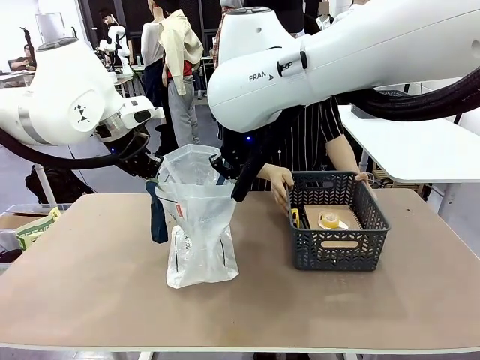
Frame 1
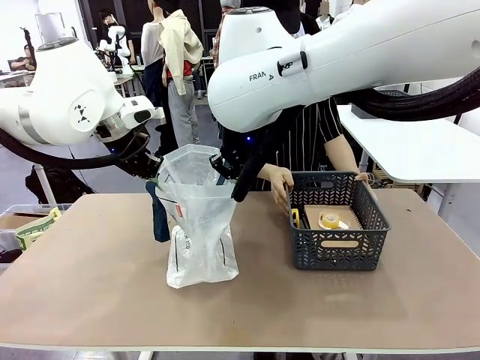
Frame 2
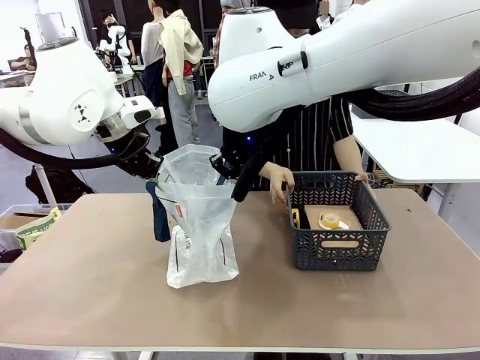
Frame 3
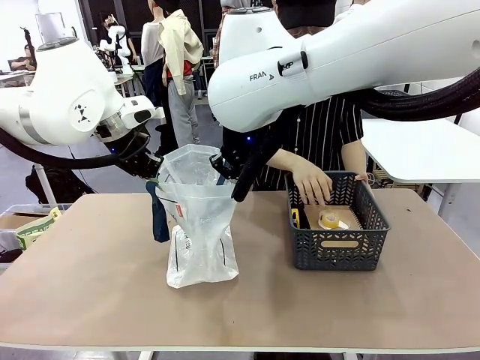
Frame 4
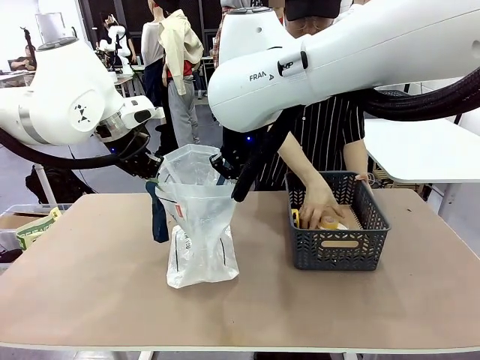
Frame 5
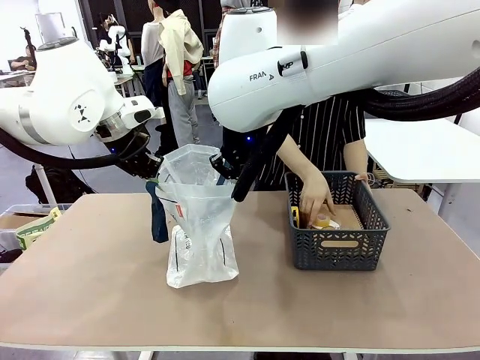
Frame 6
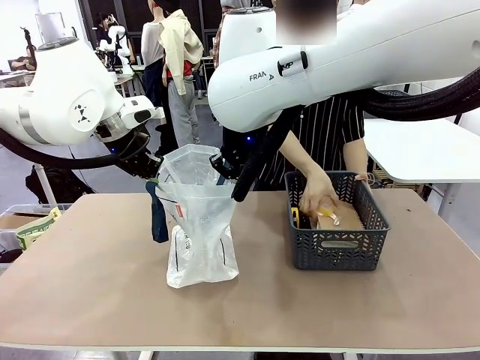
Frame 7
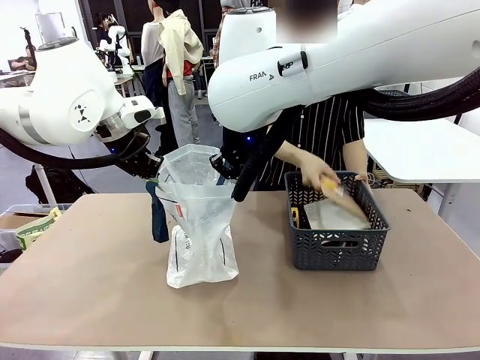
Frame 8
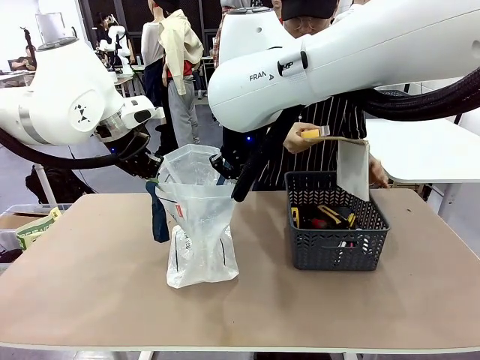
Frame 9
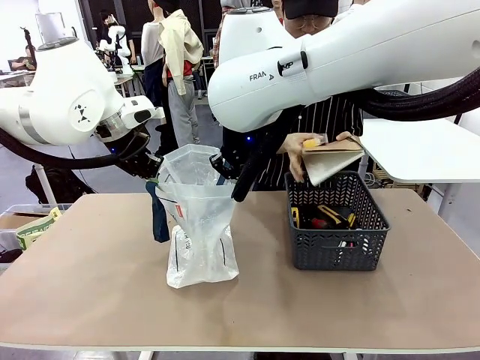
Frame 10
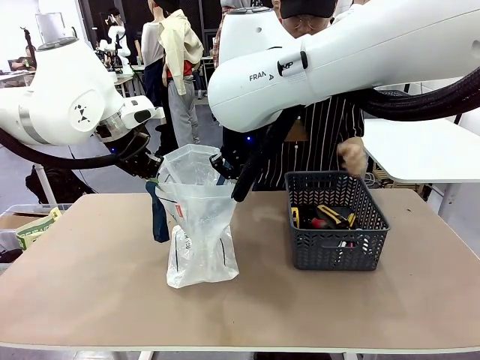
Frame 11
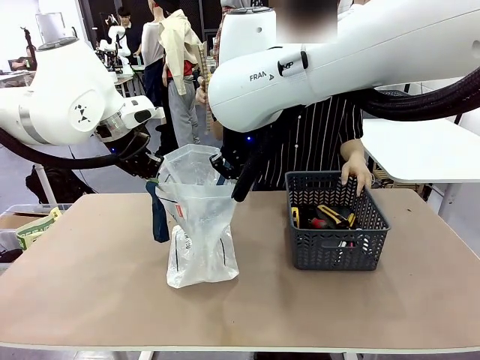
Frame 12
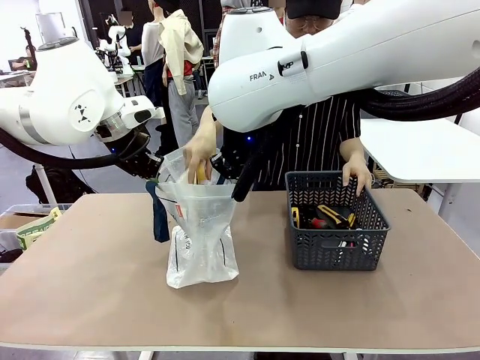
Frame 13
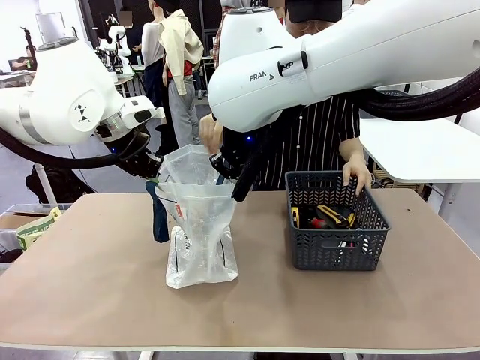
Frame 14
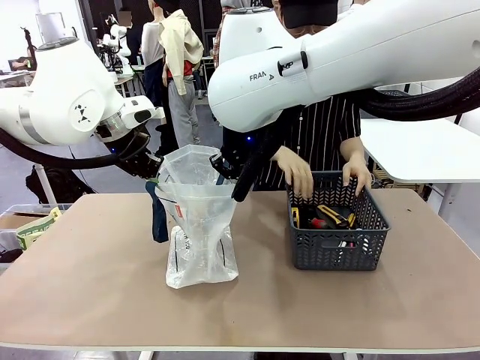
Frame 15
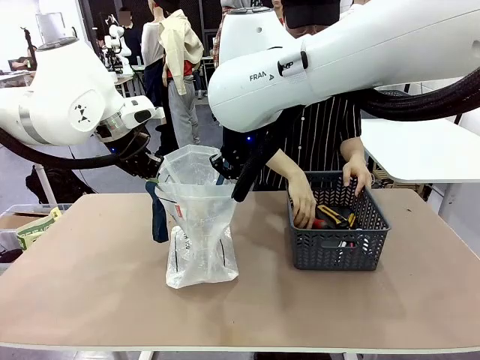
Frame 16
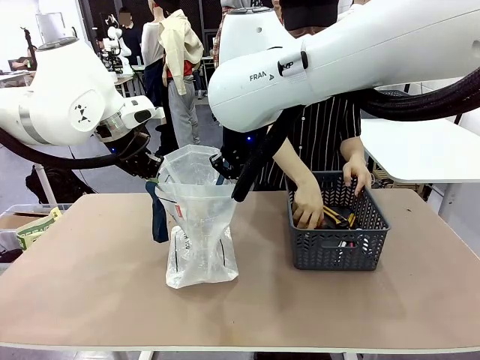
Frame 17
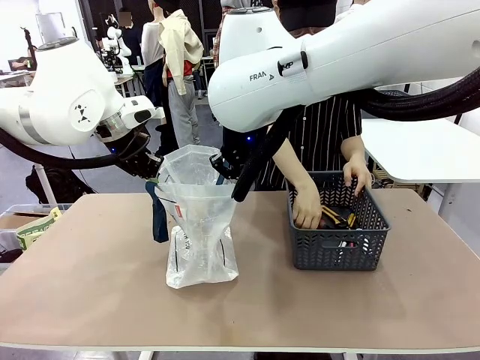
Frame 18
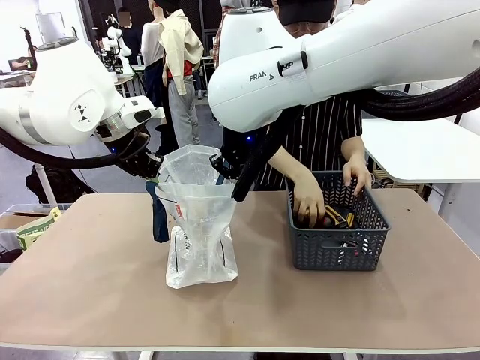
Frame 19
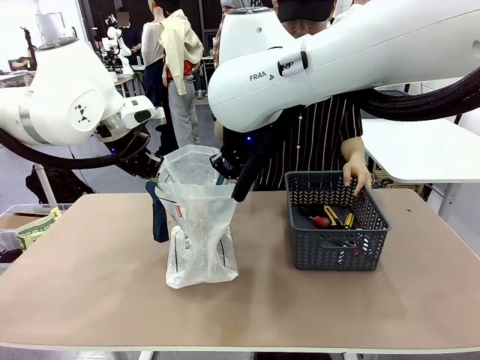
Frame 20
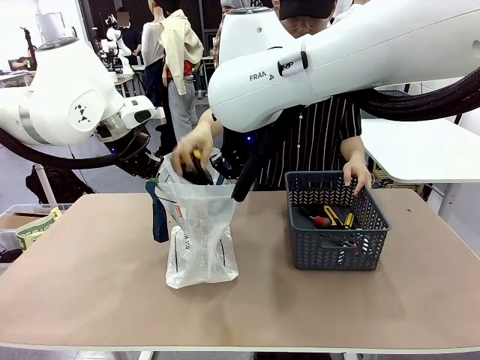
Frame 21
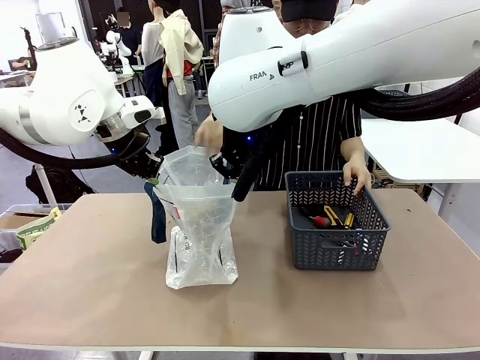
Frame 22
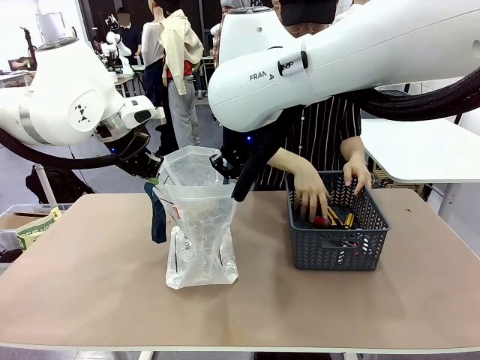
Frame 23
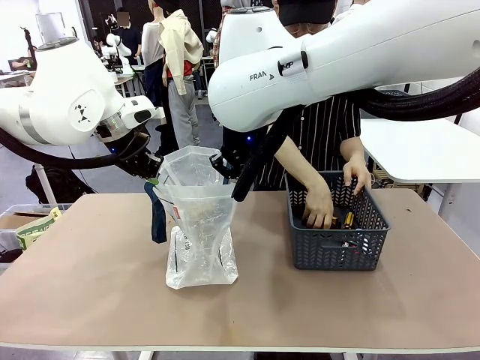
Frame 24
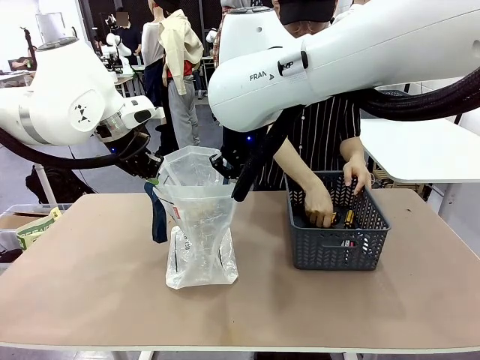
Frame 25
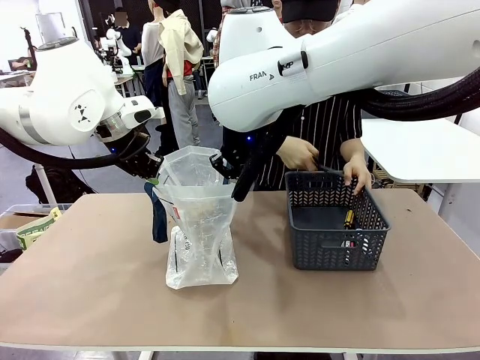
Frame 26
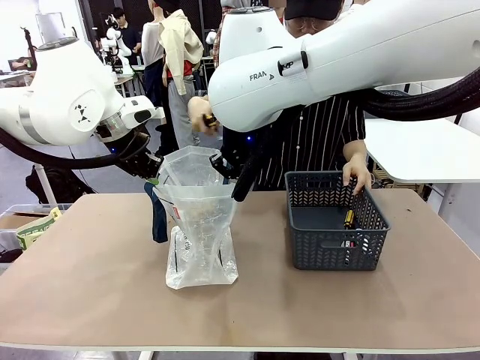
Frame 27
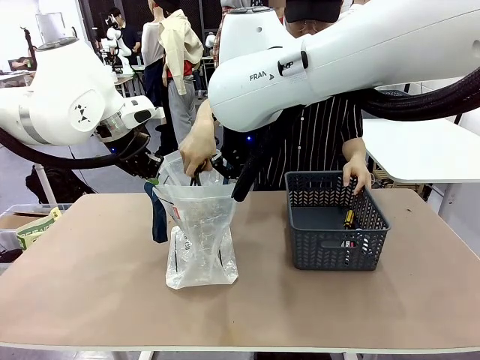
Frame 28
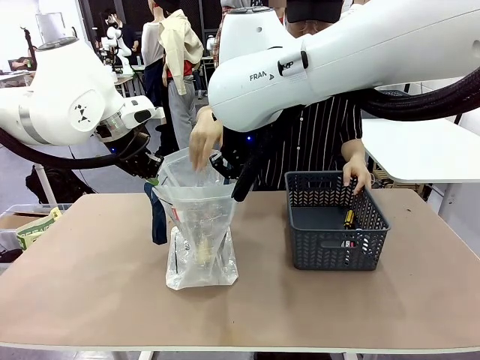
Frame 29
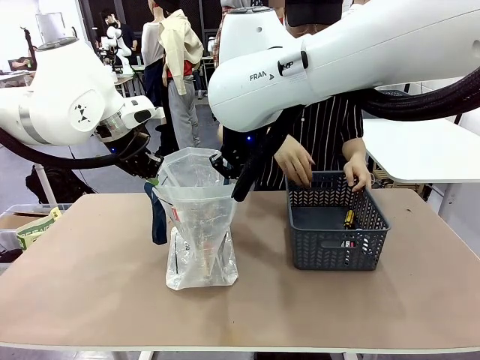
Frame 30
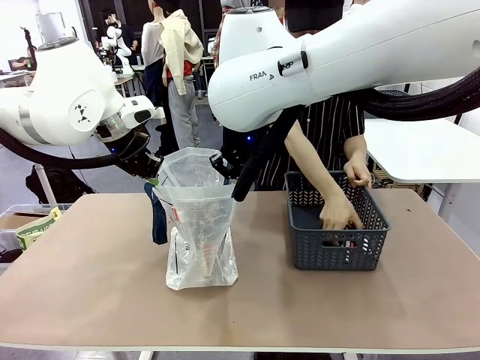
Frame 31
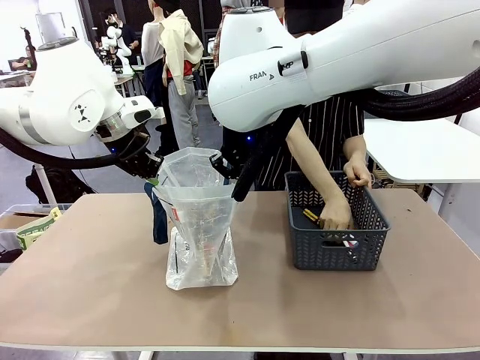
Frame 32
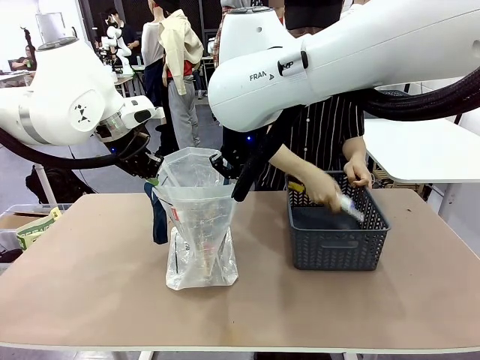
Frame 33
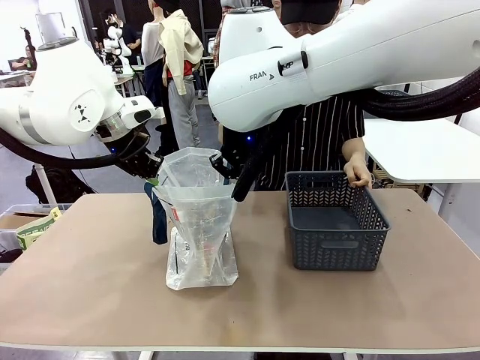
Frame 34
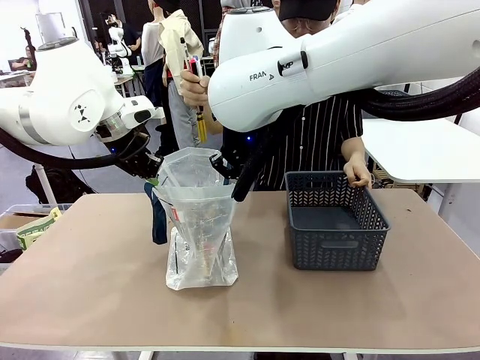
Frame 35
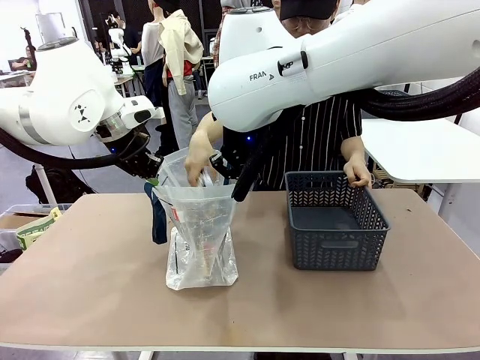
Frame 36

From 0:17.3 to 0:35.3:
Task: Transfer purchased items from the store into the shopping bag.
Robot: Move the Reusable shopping bag to the right side of the table.
Person: Pick up the basket with the items out and place it on the right side of the human table.

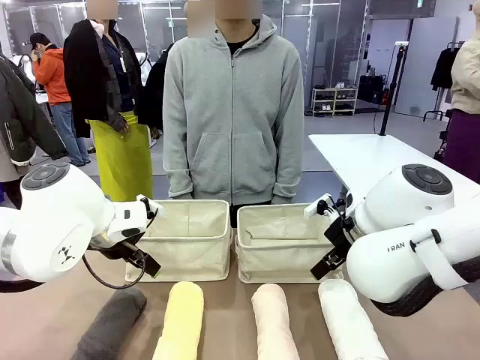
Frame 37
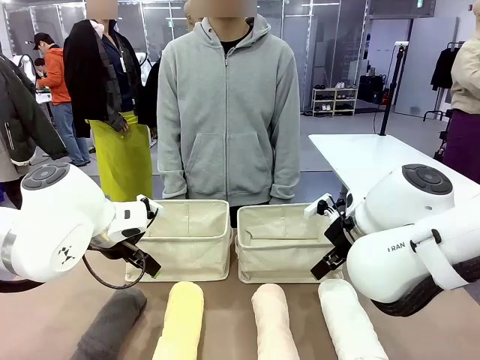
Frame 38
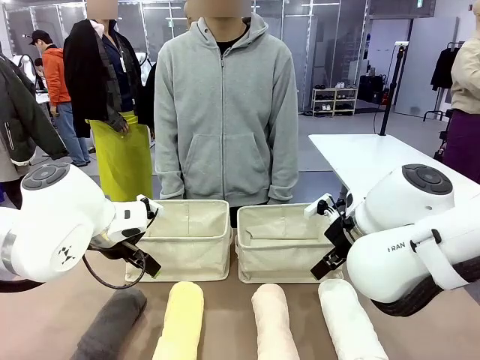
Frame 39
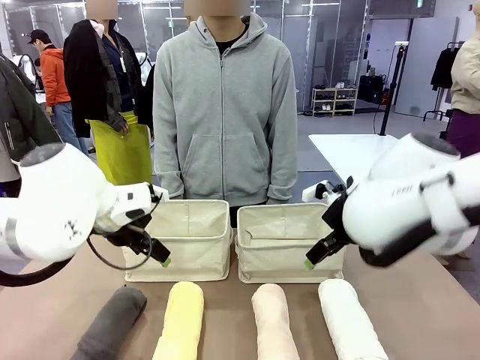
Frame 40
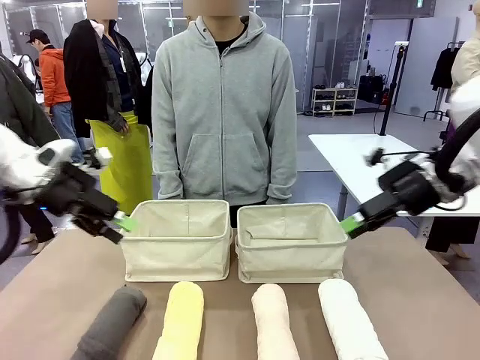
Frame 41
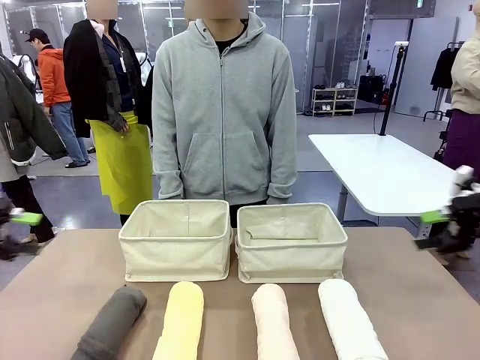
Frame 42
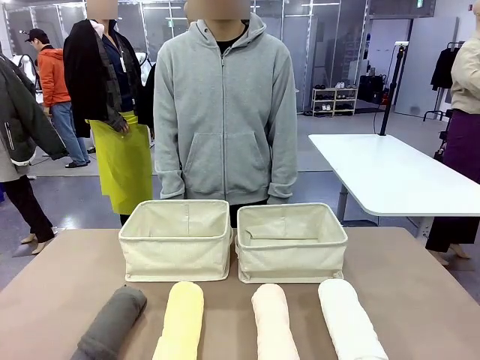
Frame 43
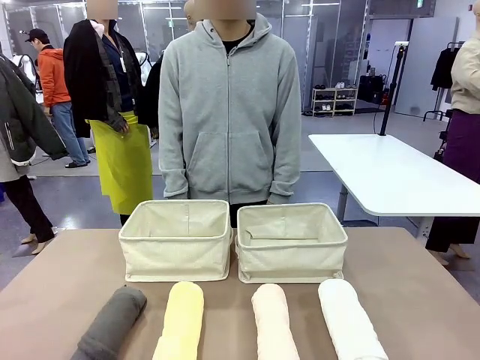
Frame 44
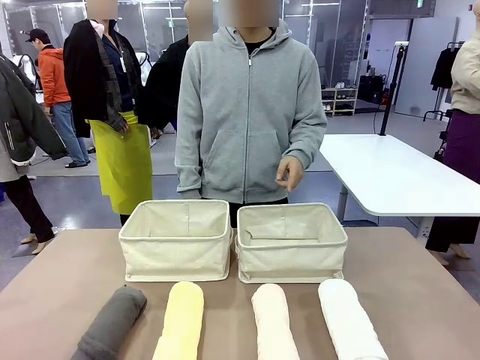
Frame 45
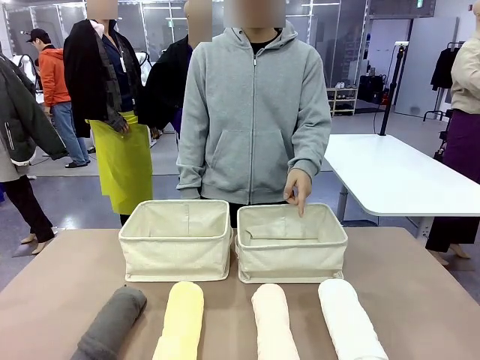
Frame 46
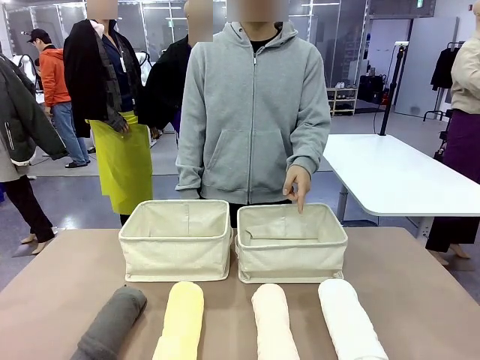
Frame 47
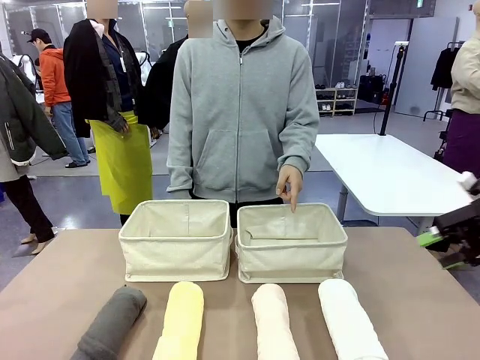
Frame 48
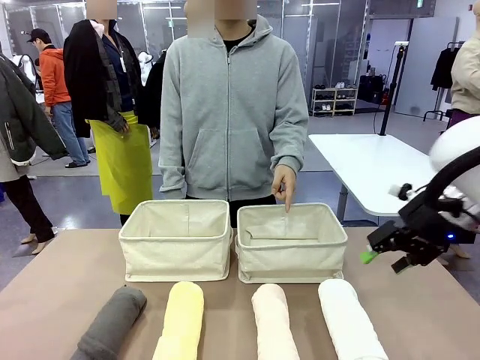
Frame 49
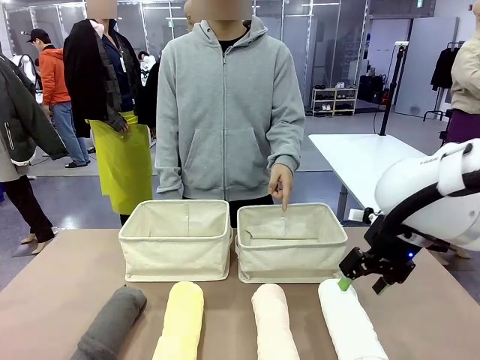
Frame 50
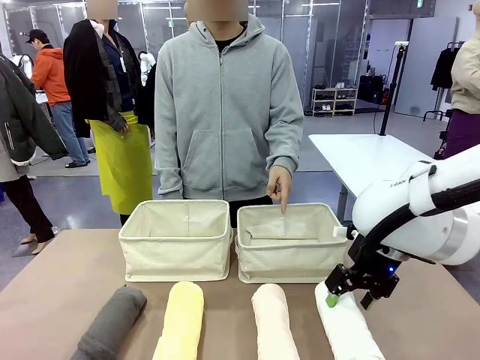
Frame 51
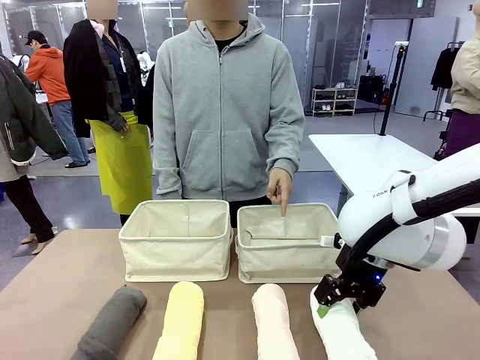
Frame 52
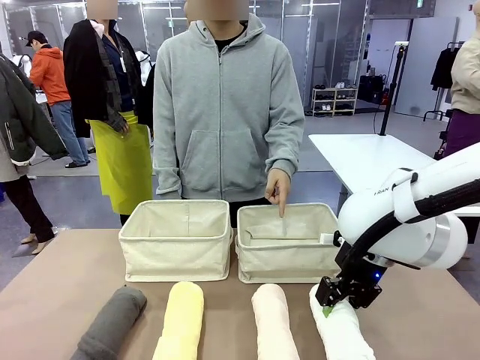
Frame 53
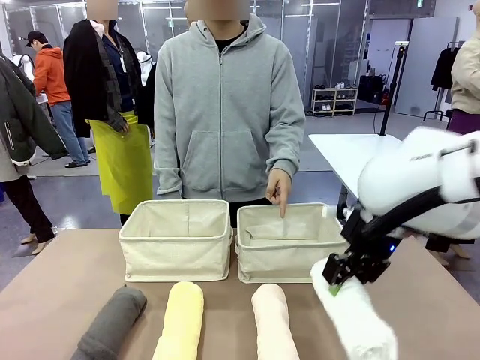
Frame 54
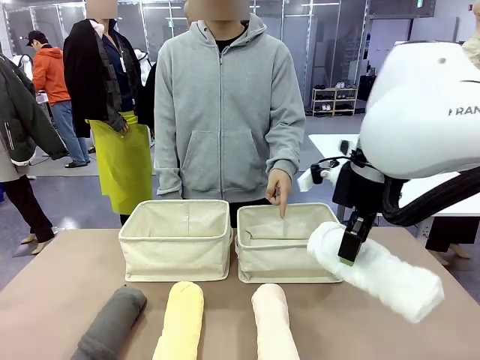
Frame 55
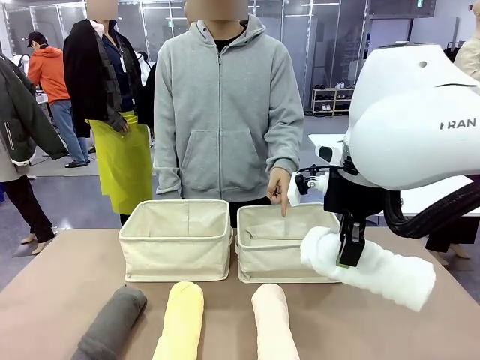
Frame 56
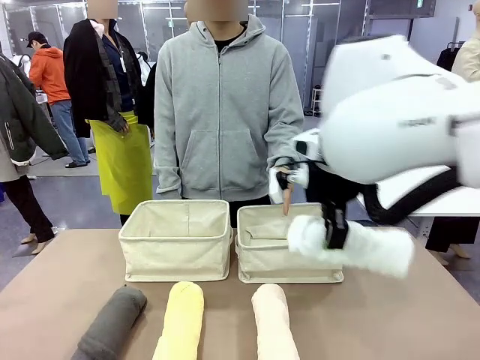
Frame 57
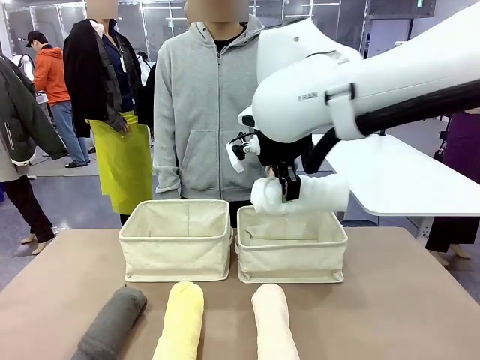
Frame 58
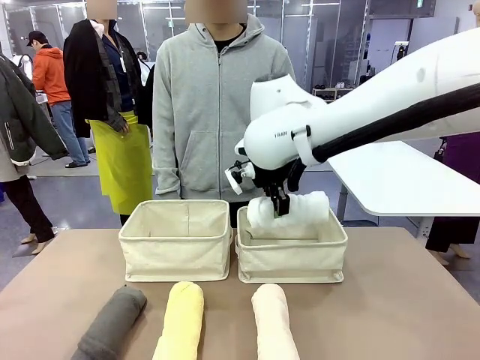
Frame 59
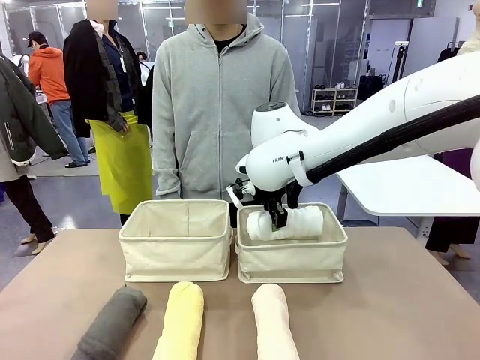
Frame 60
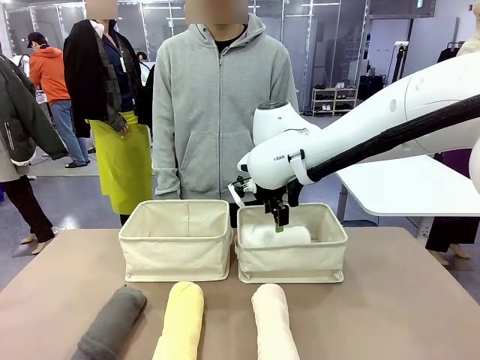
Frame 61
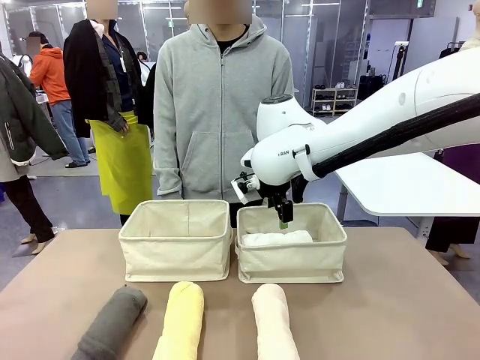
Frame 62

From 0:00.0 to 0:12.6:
Task: Divide the towels into two baskets.
Robot: Pick up one hotel-folded towel and place it in the Fabric basket indicated by the person.
